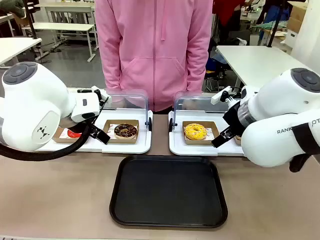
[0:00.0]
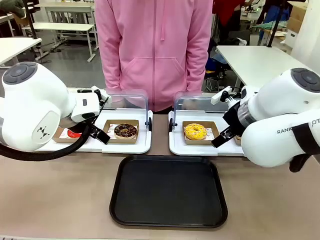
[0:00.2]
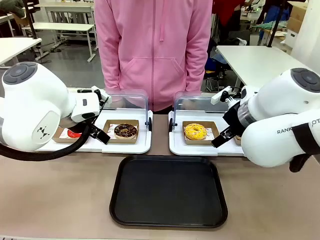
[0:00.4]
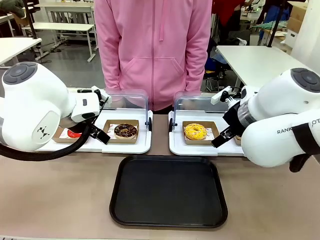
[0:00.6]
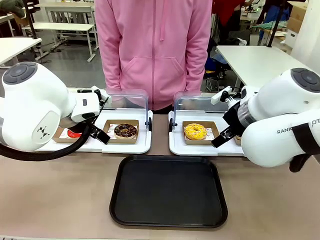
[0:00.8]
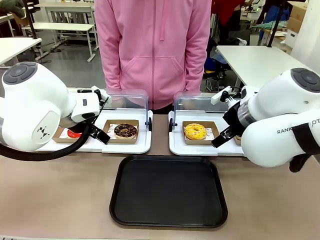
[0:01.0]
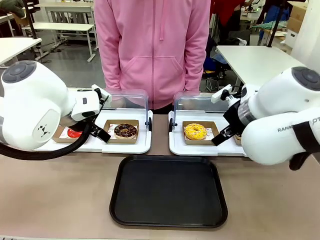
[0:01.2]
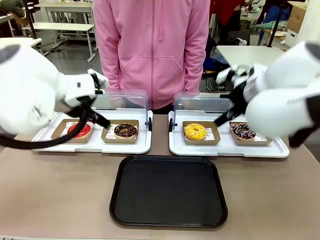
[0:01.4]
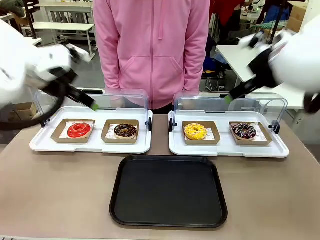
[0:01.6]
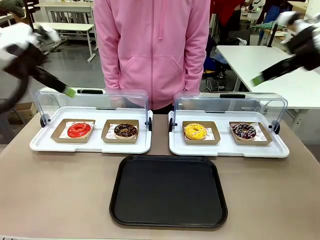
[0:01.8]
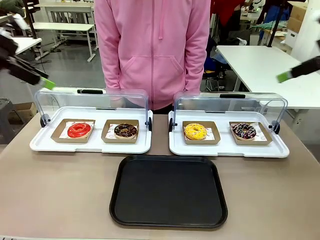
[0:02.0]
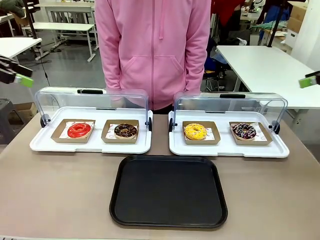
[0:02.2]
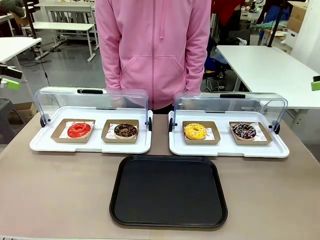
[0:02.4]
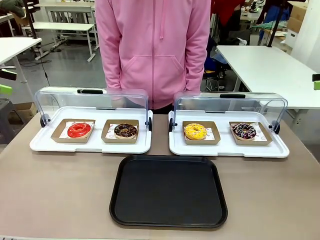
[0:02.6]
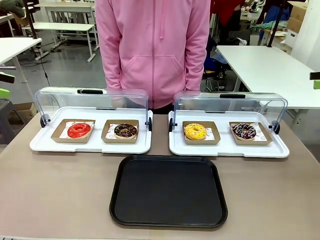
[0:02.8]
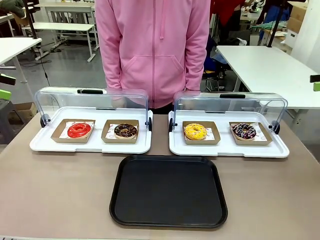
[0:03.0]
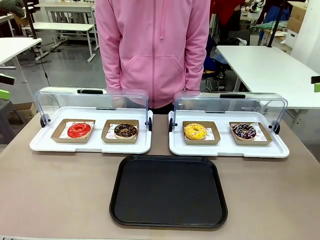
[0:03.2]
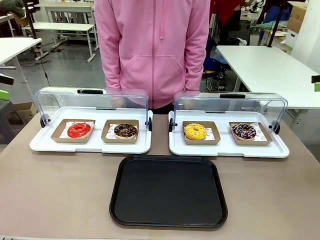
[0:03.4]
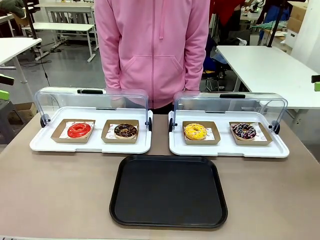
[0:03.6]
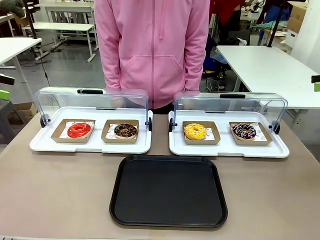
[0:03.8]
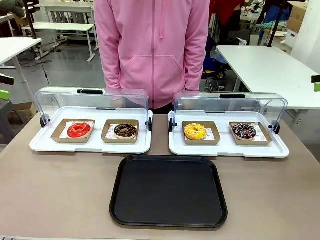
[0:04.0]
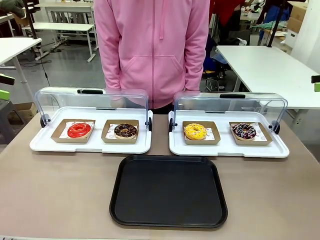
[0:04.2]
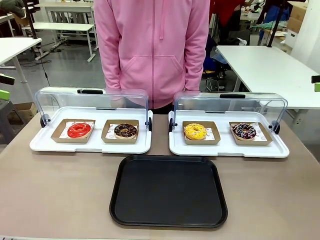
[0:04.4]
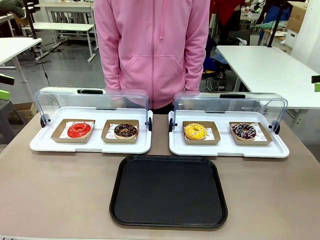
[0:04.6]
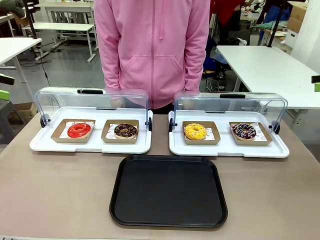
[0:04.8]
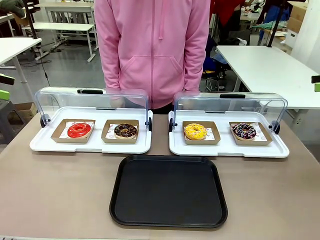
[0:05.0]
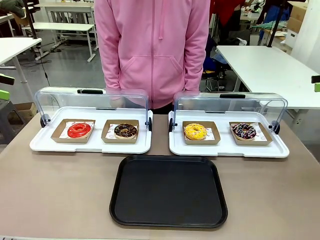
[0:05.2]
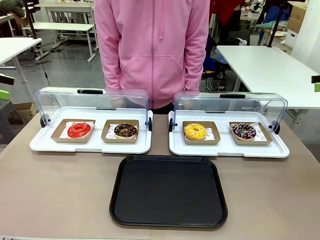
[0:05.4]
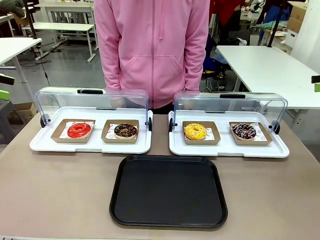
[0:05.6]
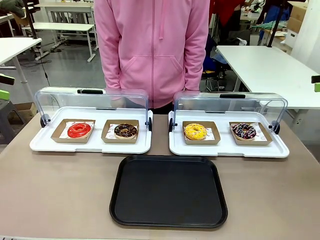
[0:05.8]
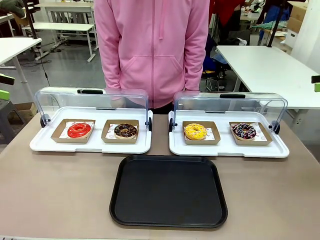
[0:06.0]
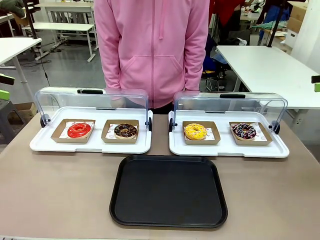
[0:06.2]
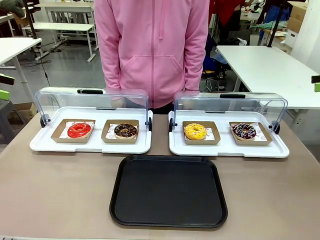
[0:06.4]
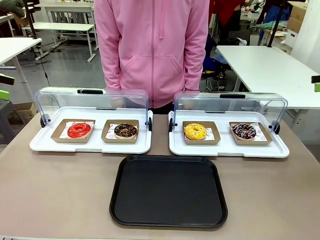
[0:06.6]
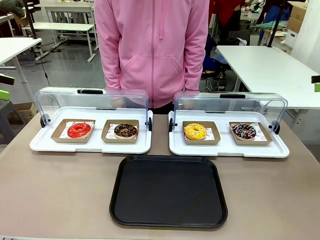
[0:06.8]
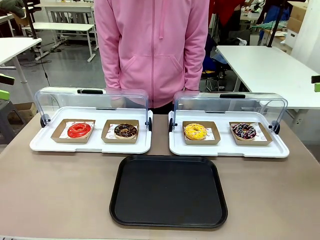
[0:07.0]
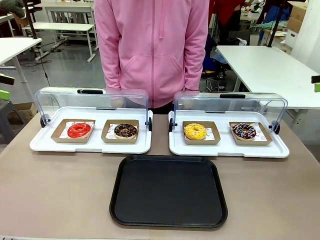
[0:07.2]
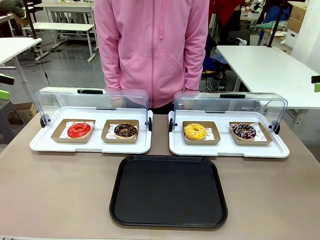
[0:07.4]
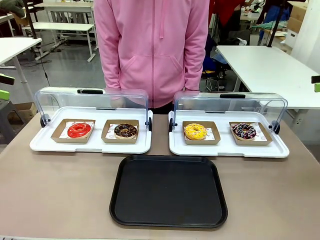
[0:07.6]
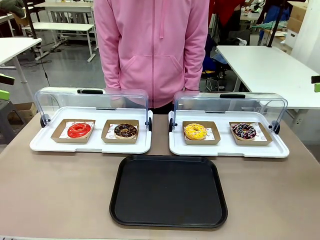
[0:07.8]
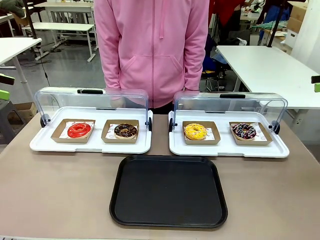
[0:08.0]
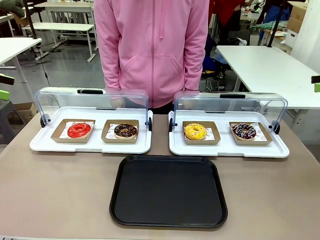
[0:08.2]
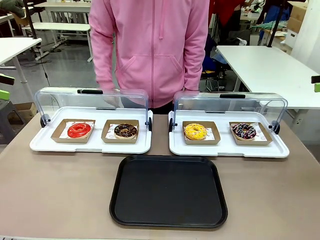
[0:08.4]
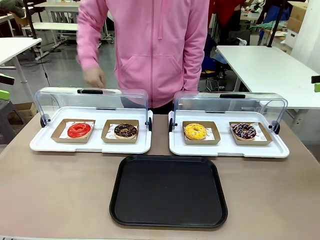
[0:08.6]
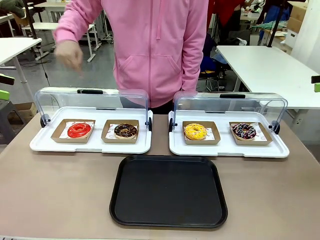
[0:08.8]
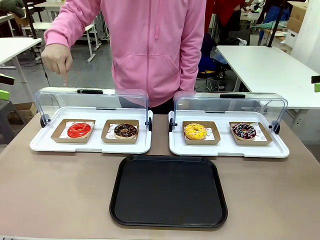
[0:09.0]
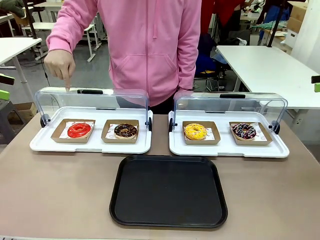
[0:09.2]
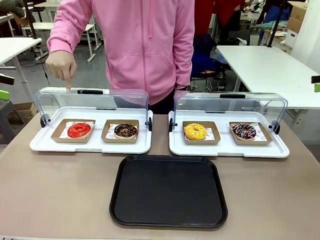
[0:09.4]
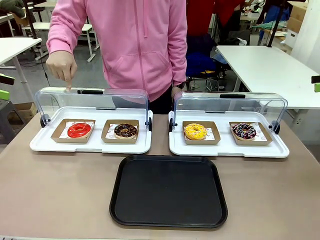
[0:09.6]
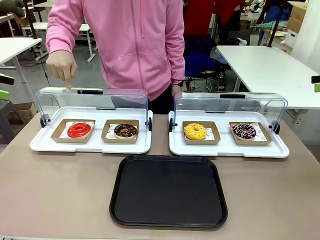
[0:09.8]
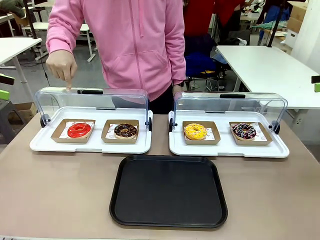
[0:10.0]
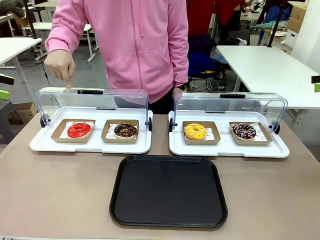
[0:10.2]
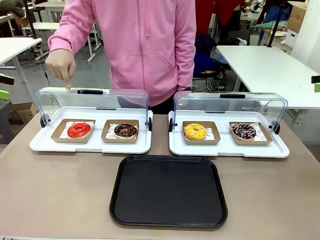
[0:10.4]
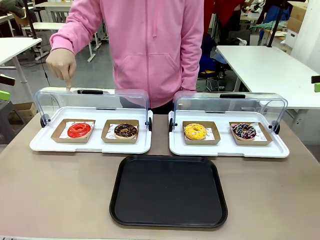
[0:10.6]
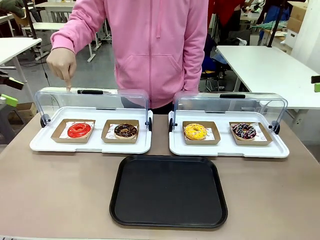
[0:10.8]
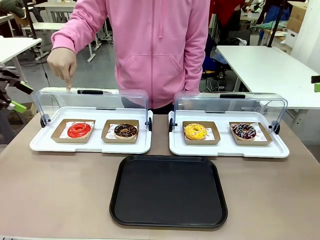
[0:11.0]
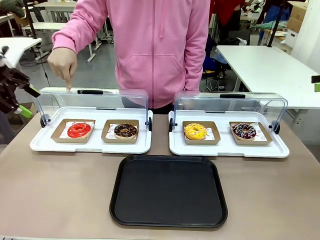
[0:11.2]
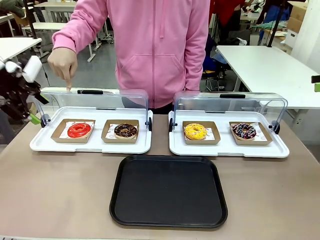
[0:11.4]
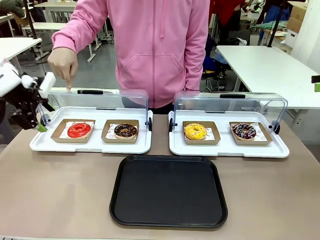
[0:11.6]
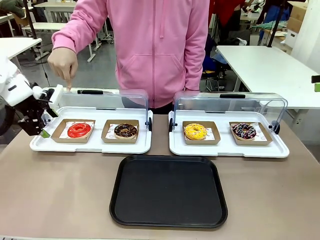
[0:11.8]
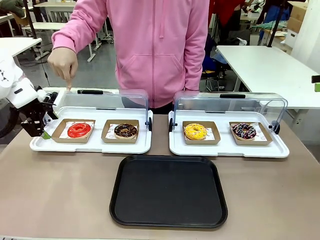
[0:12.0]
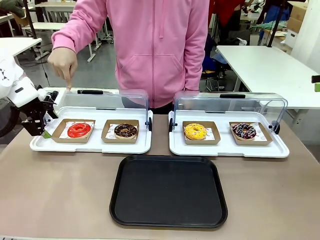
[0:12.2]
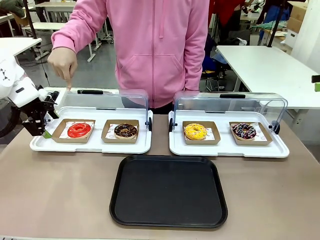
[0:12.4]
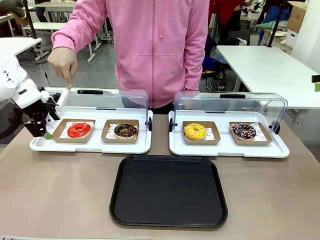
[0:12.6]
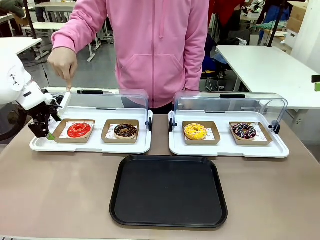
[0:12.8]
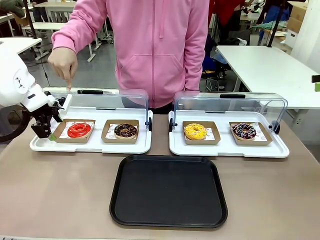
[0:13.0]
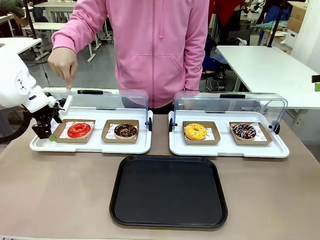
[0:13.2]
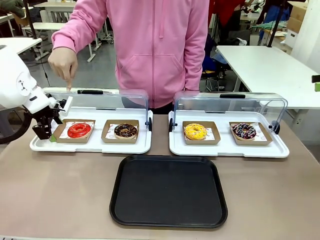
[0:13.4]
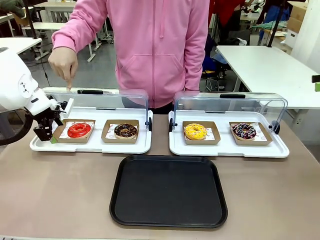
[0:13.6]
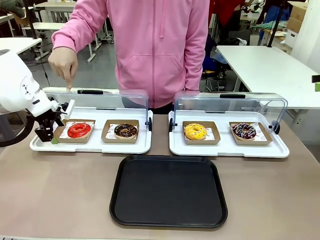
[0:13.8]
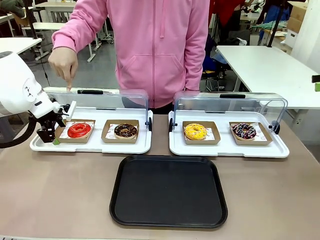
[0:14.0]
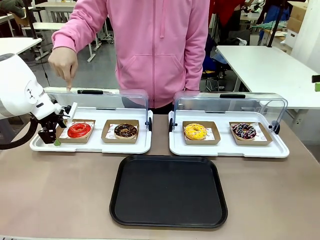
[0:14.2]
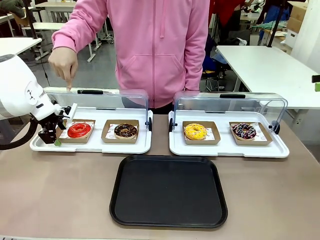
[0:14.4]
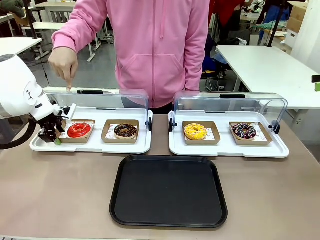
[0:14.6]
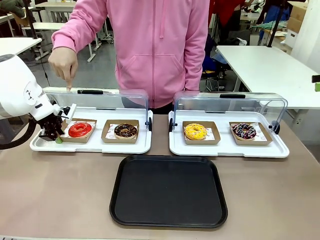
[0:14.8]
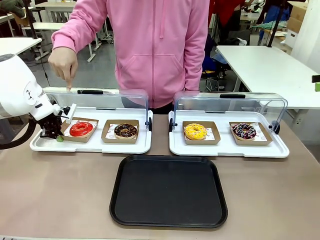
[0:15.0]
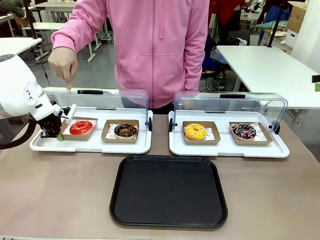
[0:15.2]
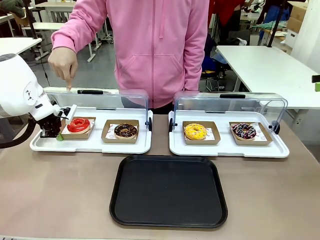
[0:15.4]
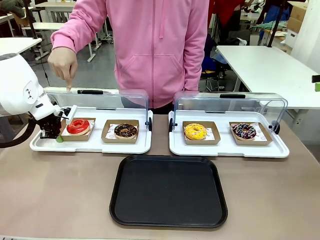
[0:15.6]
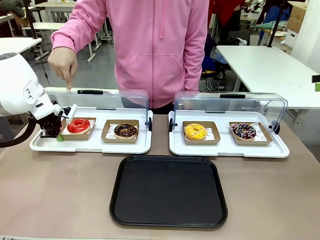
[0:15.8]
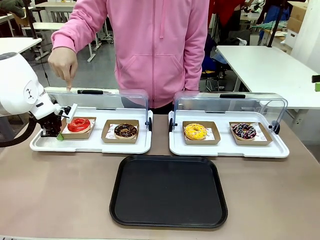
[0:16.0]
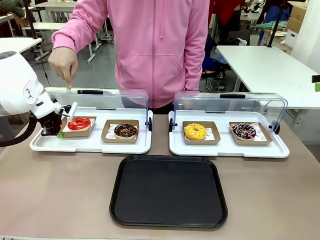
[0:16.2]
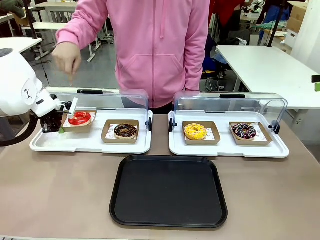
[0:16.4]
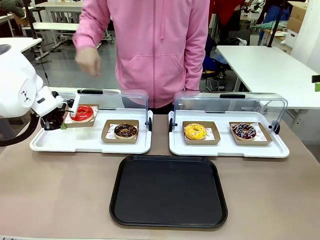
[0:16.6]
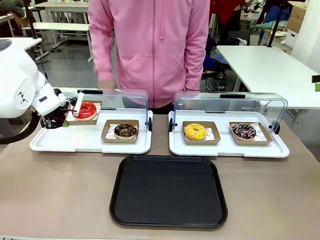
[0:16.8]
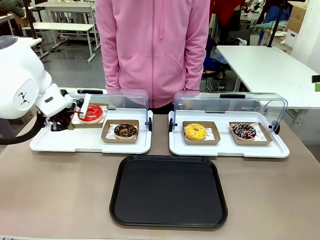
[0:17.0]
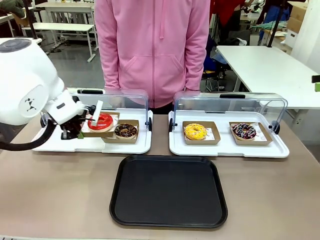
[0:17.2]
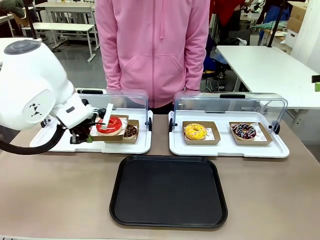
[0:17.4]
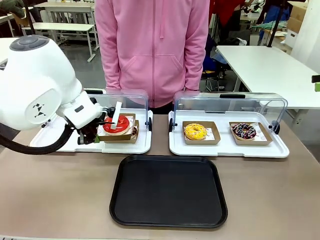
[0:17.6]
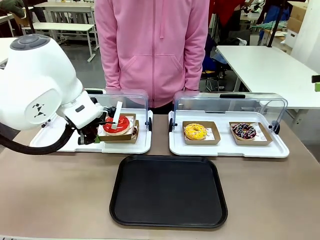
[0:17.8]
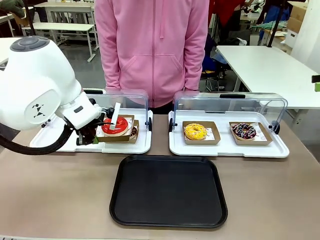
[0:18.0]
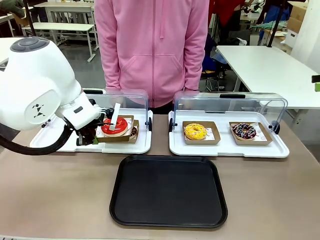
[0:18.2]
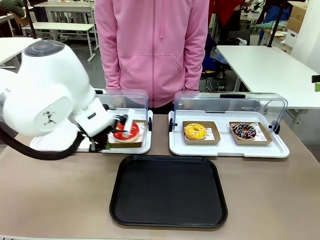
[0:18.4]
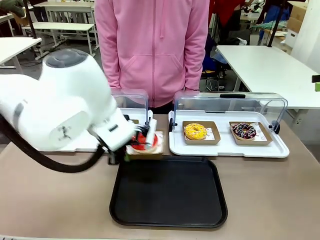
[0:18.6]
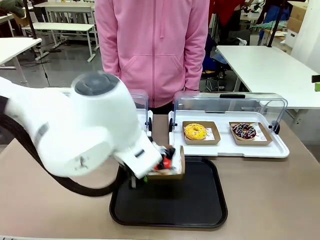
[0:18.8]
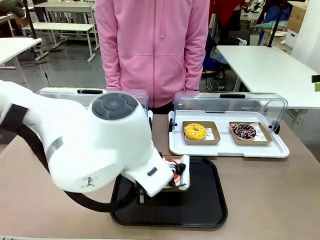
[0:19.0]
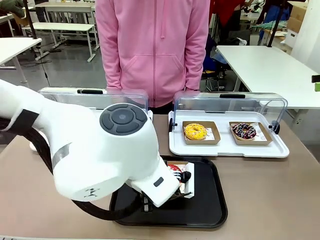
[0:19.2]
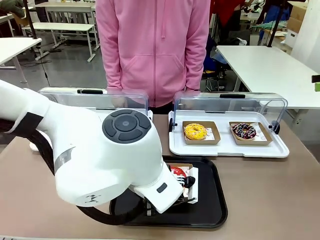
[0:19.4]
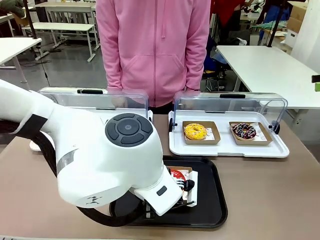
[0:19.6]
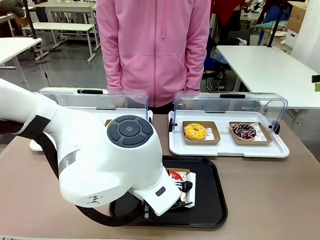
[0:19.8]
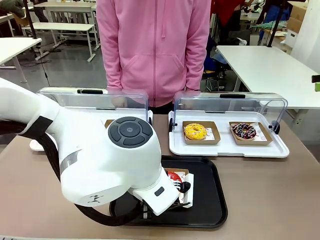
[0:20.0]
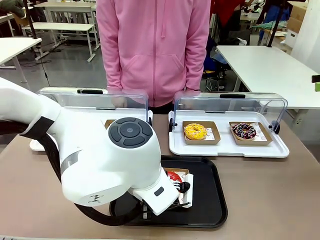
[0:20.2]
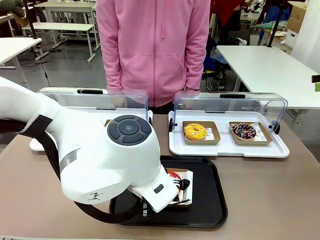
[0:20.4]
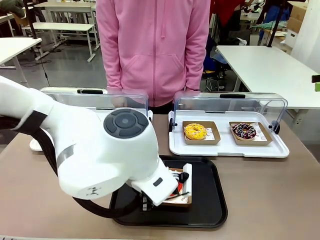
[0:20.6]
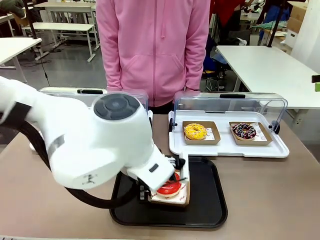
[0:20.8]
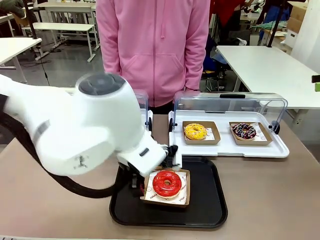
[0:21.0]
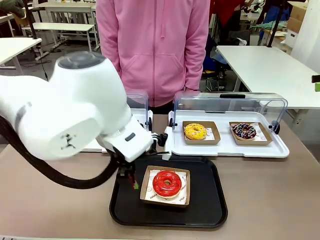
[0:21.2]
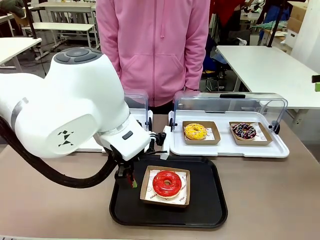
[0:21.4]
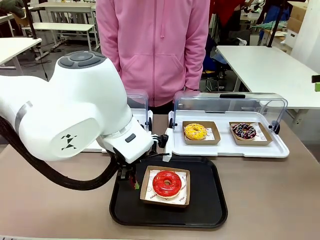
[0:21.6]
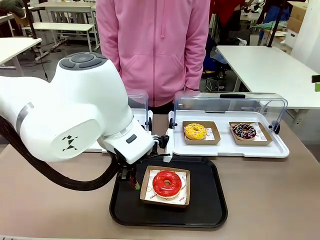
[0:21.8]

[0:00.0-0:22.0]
Task: Move the first donut from the left to the tray.
Robot: Pick up the Paper togo box containing the Donut indicated by the person and place it on the Handle tray.
Person: Points to the first donut from the left from the robot’s perspective.
